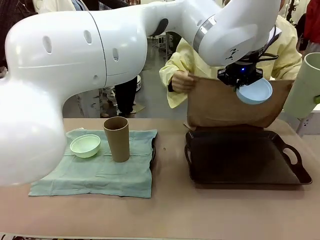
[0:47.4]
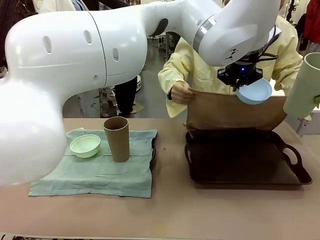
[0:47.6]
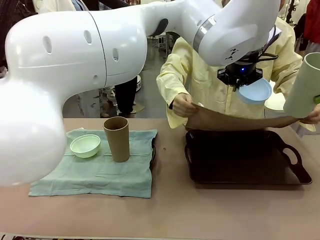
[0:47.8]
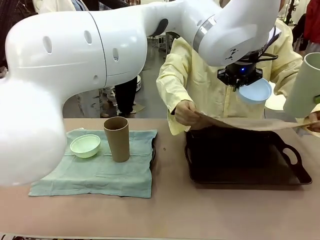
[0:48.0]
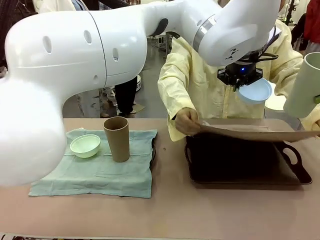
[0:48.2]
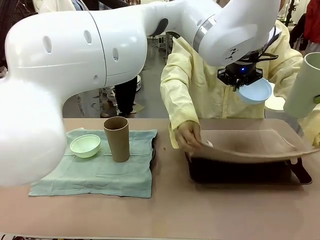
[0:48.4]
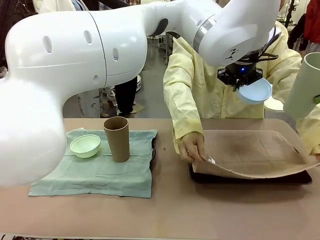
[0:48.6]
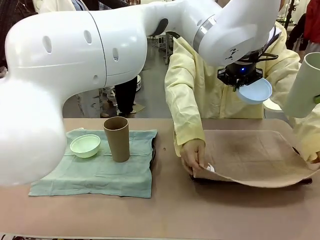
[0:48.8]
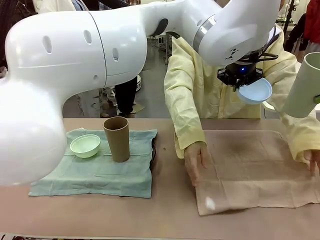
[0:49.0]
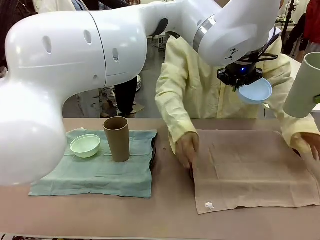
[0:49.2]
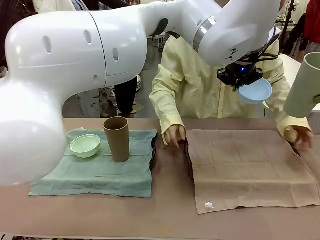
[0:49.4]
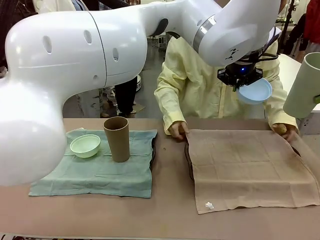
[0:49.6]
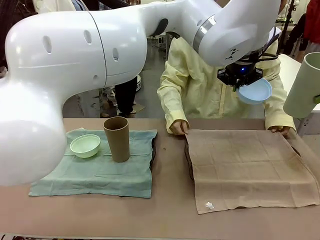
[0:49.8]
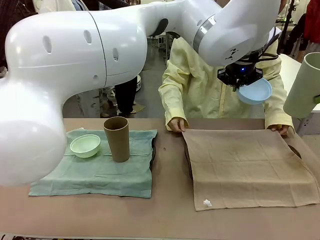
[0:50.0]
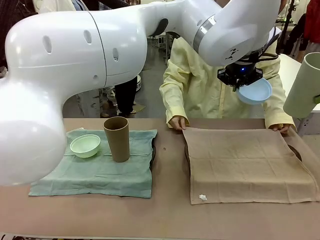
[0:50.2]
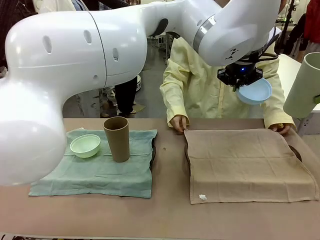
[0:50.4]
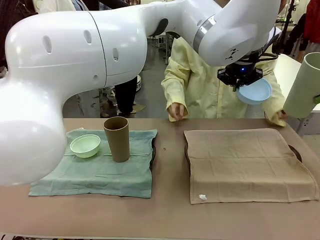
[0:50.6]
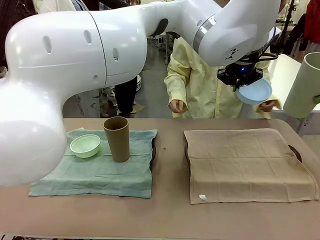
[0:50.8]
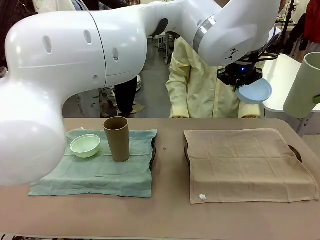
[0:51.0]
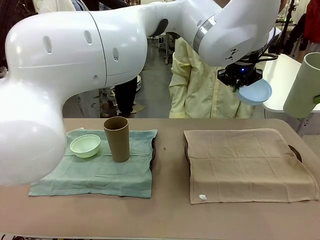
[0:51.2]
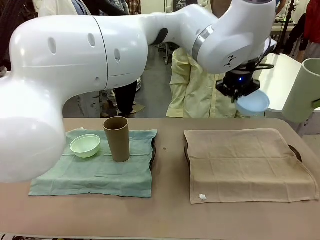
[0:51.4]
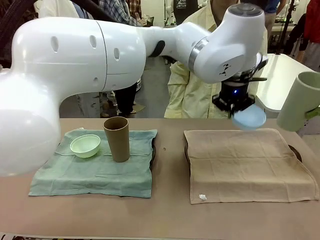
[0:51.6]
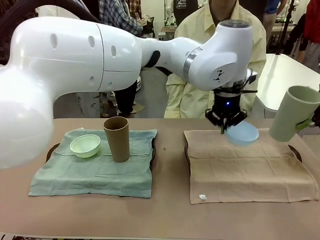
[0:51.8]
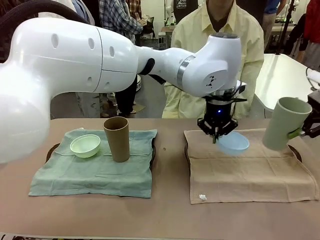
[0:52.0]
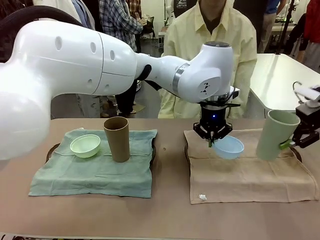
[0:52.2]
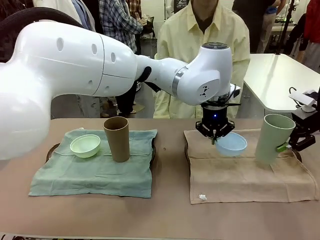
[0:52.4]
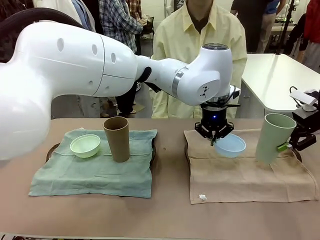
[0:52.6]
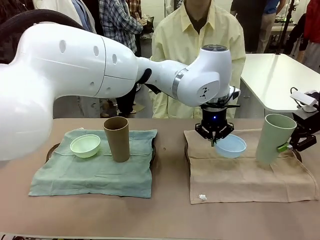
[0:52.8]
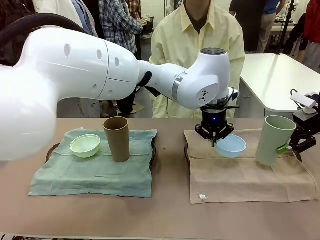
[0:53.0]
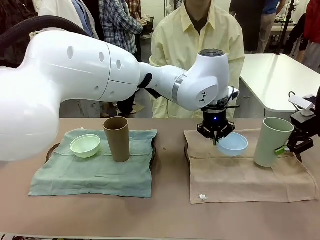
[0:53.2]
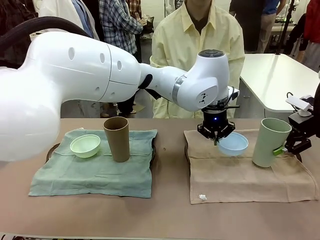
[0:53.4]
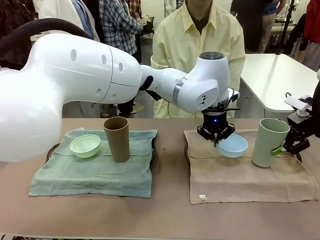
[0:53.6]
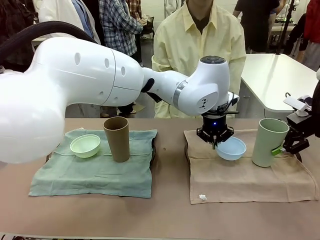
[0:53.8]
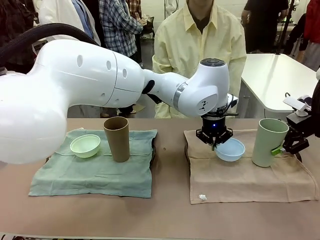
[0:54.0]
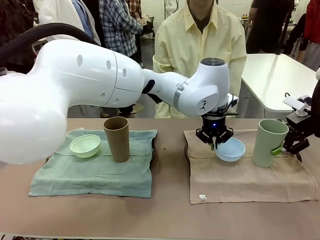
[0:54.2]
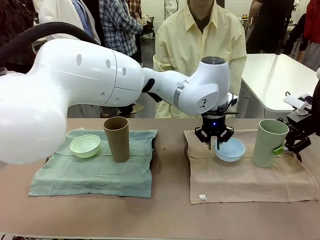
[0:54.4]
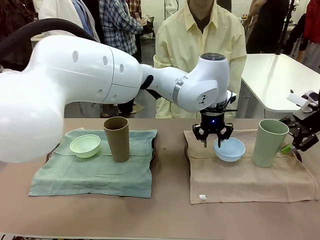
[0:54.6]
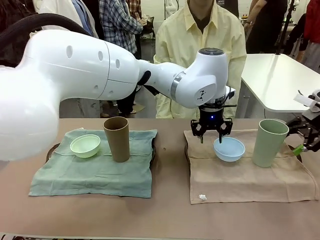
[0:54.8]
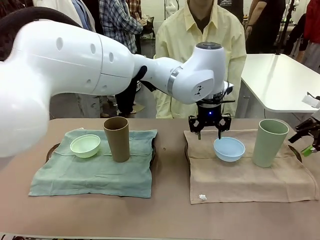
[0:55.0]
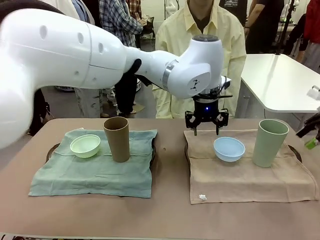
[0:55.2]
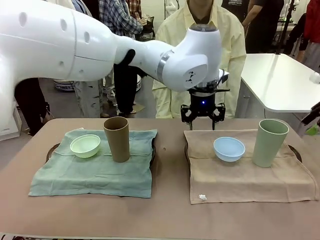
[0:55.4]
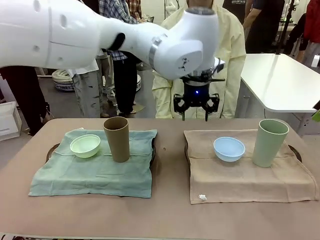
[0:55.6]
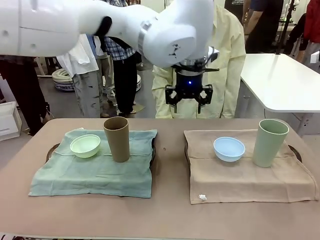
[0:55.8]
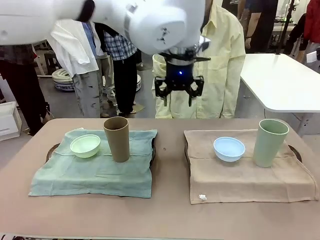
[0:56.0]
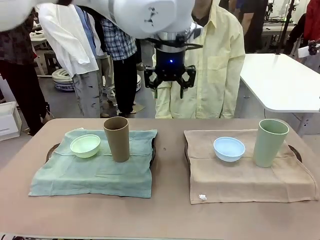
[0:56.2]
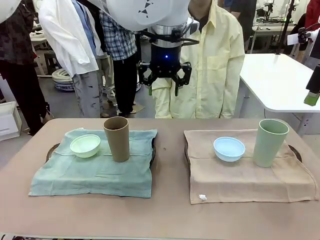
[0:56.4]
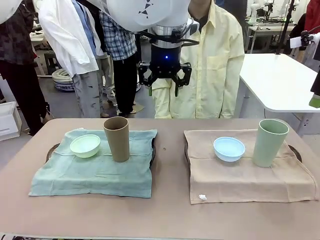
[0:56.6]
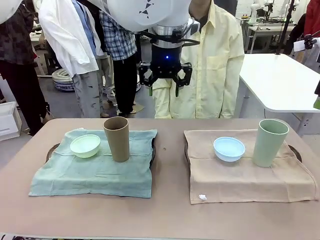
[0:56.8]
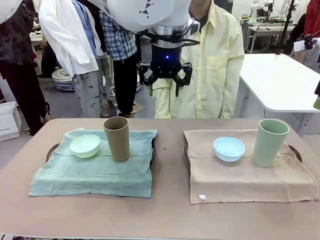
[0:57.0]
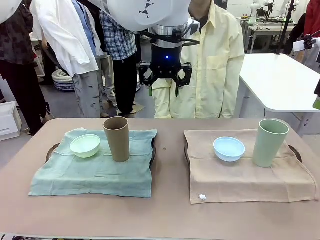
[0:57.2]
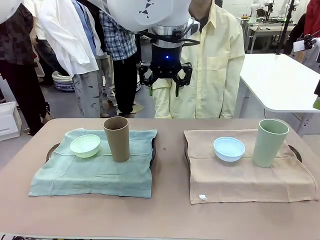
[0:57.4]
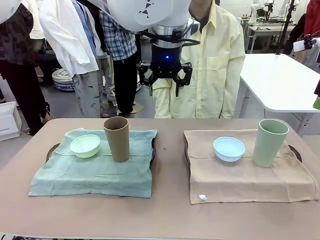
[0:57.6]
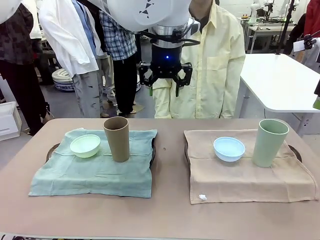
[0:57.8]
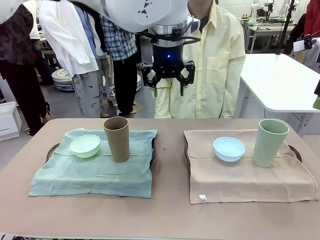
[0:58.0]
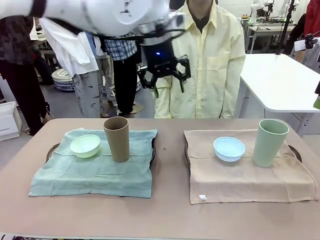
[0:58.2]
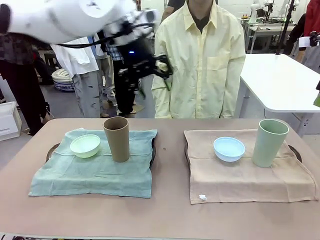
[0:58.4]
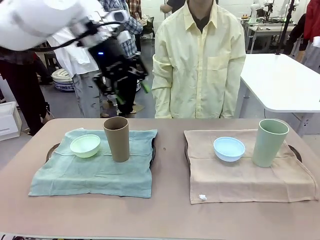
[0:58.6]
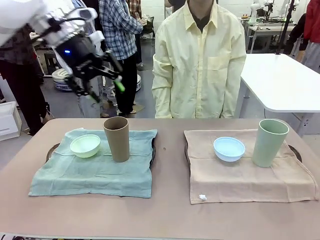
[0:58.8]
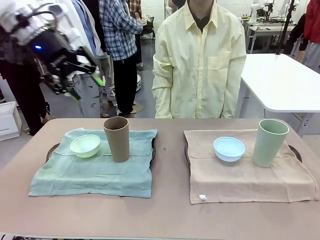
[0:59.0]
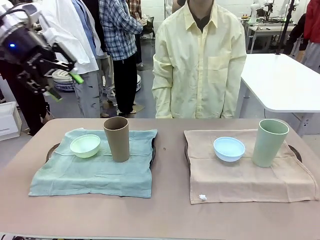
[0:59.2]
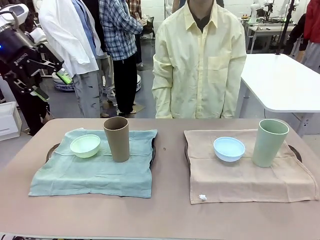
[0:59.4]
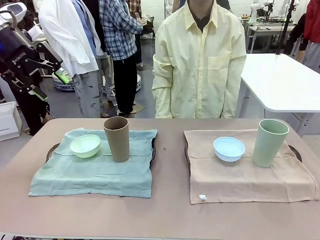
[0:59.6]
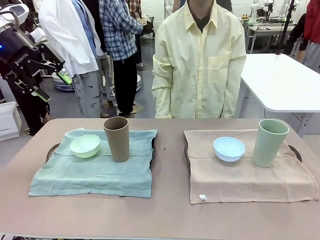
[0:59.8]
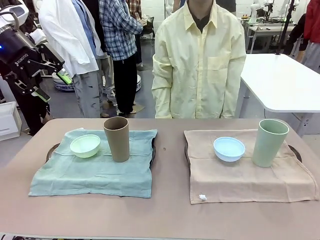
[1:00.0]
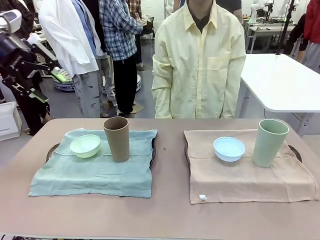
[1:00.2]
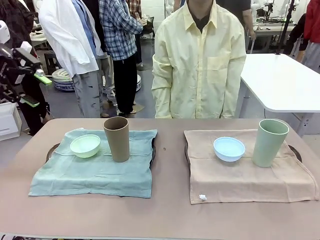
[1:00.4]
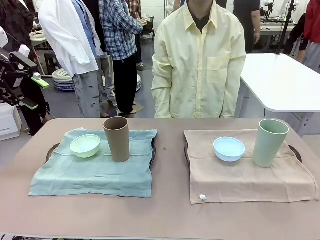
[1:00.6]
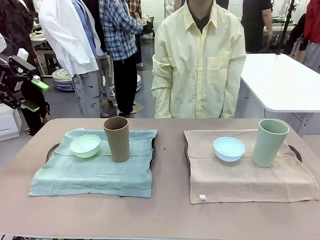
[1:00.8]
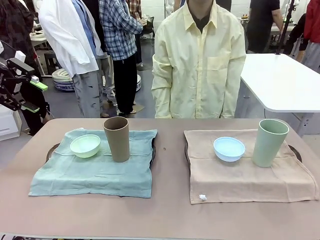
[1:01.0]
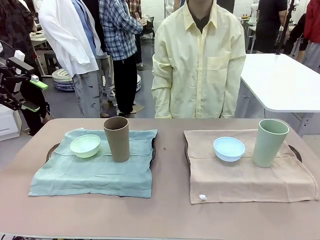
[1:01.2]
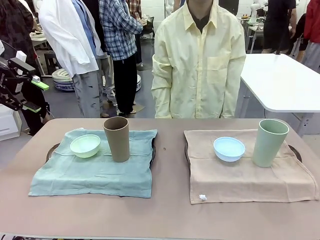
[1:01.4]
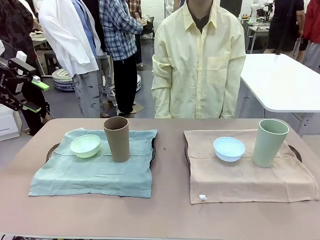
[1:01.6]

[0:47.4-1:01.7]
Robot: Place the Picnic Bowl and Reusable plastic cup back onto the Handle tray in front of the human's position.

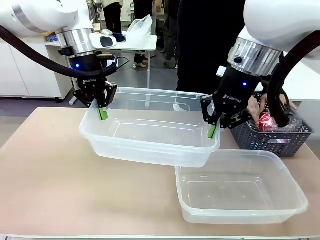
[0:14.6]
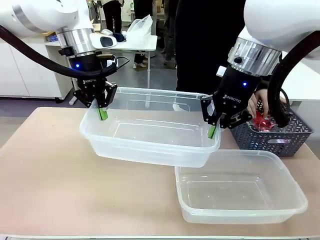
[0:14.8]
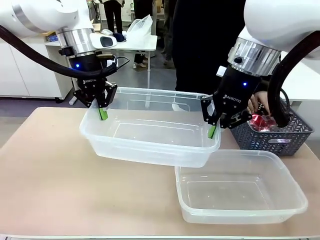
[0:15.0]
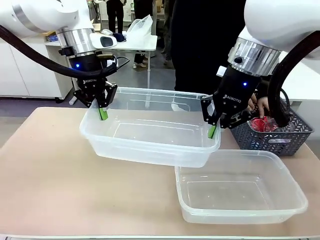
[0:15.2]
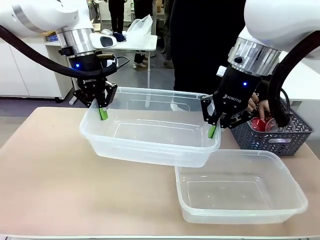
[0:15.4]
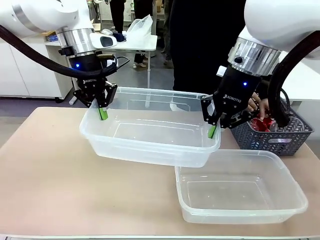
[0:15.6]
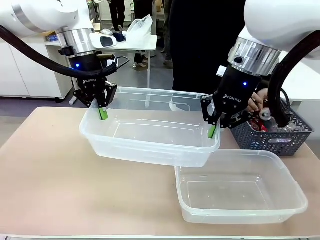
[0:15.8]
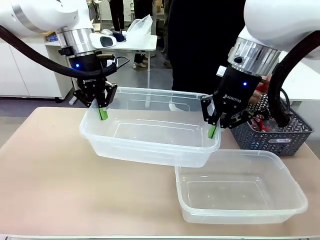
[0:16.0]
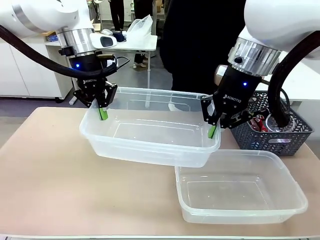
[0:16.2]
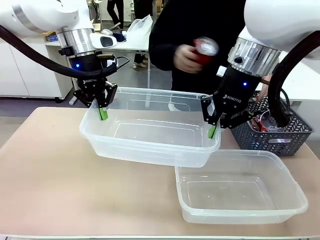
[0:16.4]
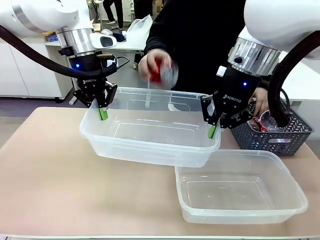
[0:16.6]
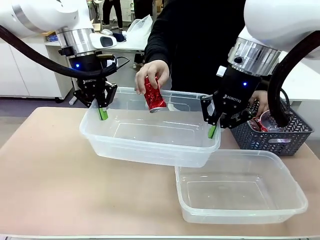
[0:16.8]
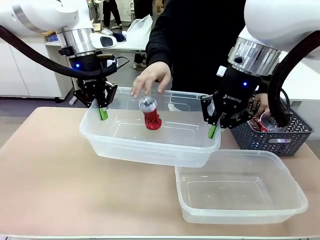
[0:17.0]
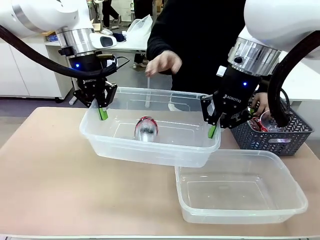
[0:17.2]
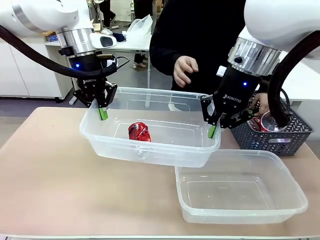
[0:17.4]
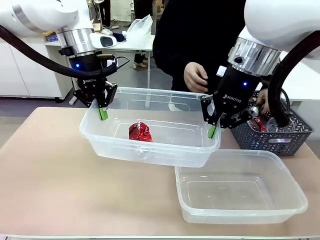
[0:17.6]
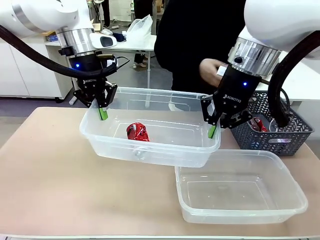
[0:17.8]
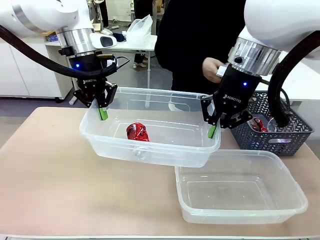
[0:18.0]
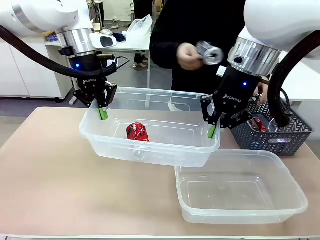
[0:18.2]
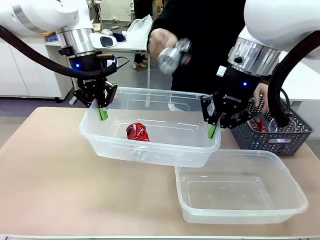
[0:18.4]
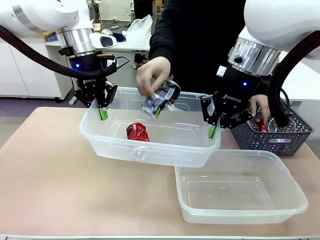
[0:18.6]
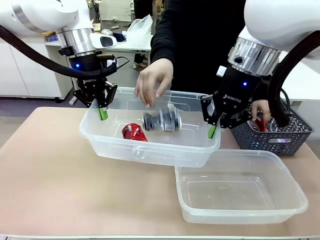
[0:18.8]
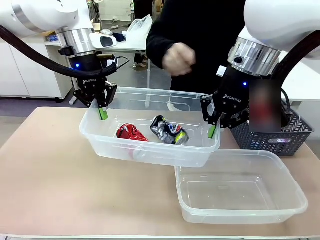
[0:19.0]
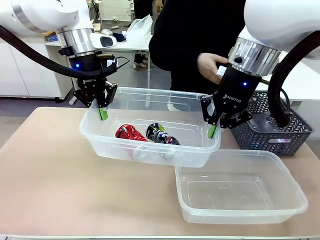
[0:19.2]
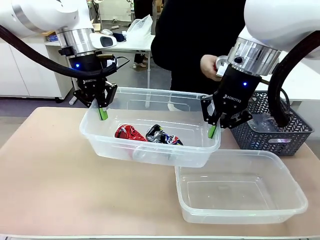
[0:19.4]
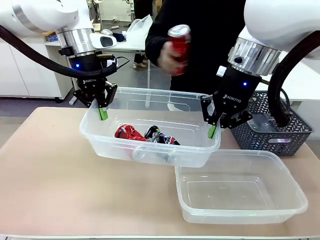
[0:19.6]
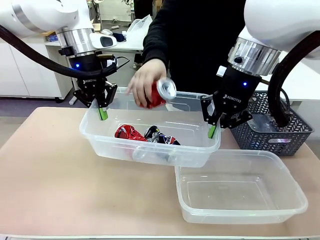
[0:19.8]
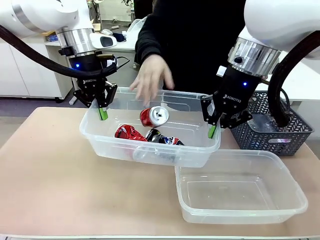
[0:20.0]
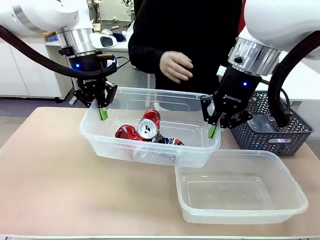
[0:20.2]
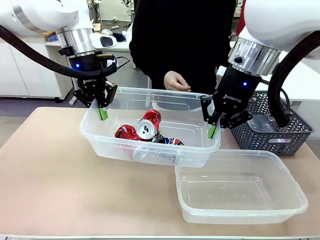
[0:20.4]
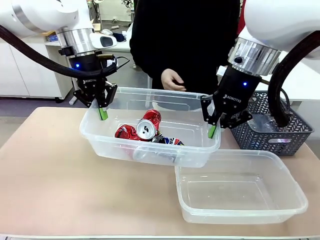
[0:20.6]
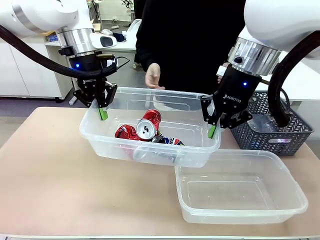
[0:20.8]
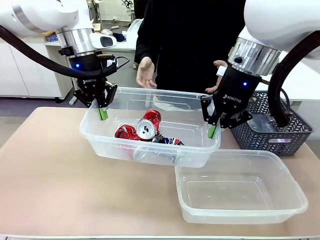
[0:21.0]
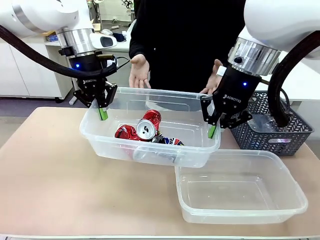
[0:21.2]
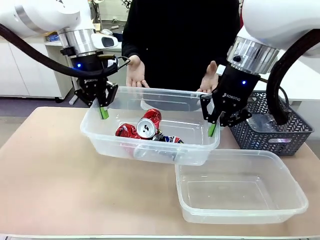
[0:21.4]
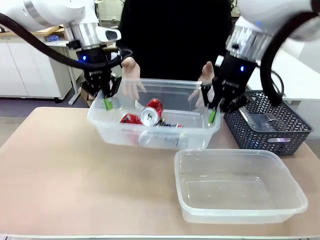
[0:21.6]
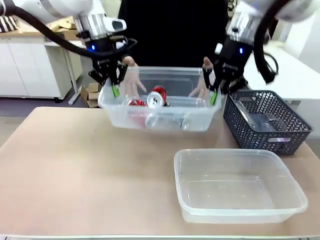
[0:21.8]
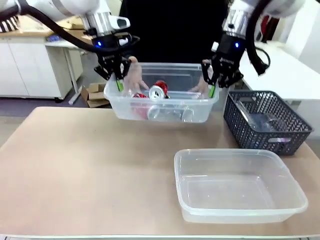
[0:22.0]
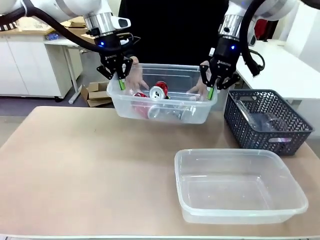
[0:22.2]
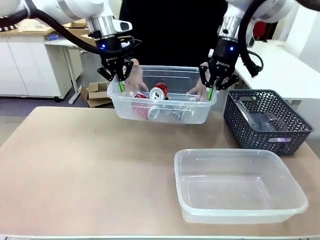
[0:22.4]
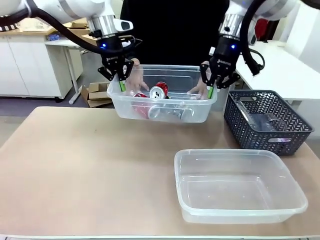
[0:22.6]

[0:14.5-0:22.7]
Robot: Offer the picked Organizing box to the human.

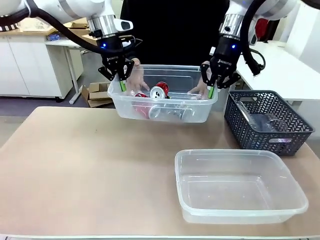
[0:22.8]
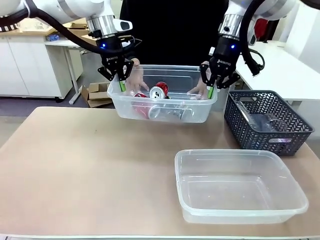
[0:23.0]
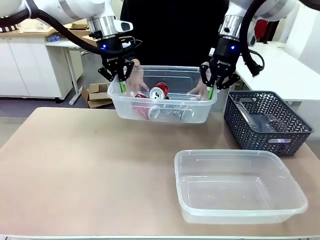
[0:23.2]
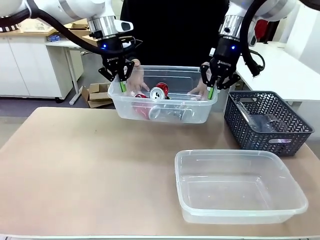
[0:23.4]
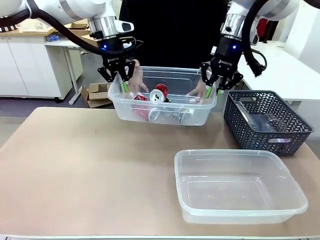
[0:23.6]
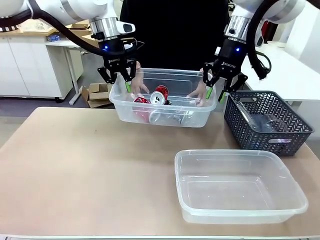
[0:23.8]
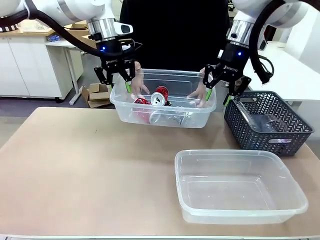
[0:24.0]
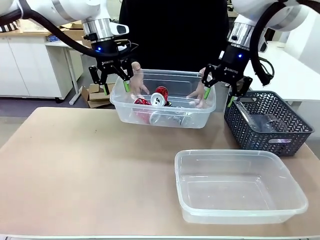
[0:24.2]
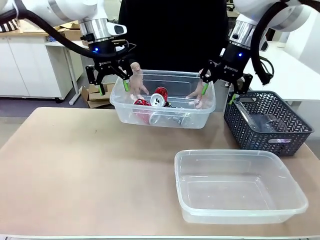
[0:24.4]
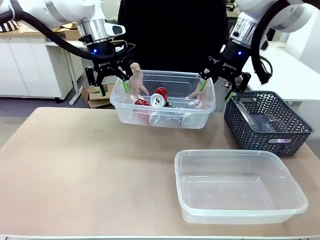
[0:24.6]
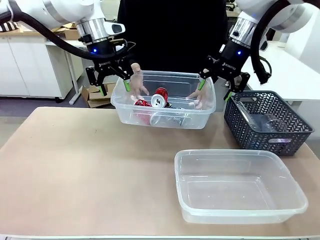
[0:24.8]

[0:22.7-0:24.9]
Robot: Release the Organizing box you were holding.
